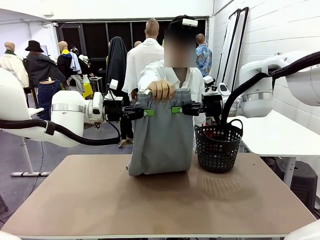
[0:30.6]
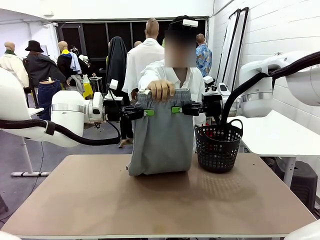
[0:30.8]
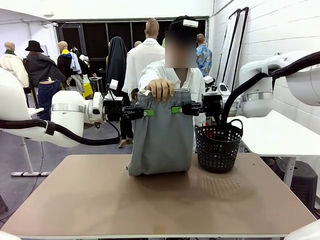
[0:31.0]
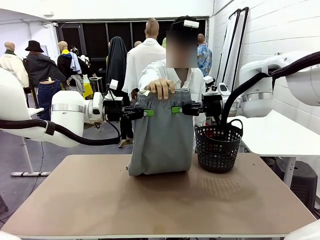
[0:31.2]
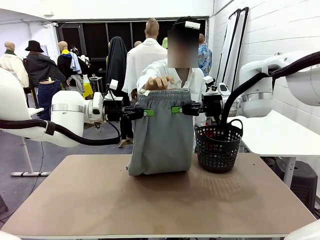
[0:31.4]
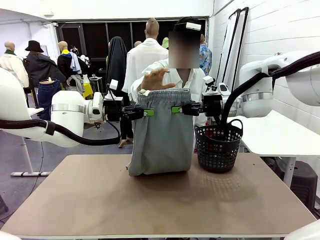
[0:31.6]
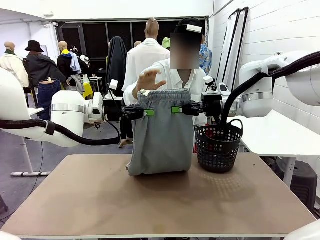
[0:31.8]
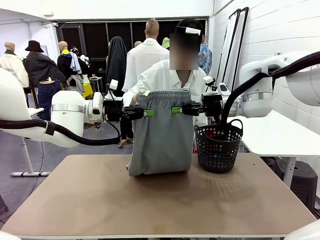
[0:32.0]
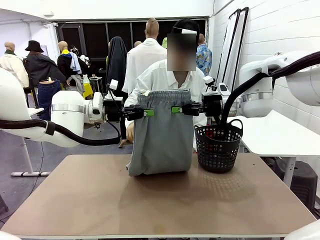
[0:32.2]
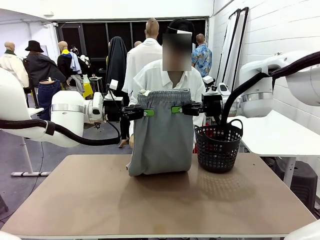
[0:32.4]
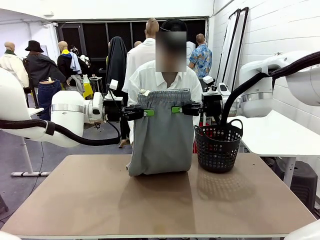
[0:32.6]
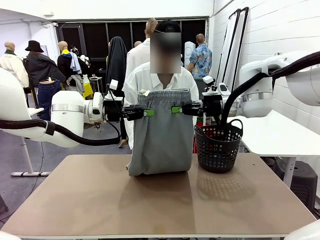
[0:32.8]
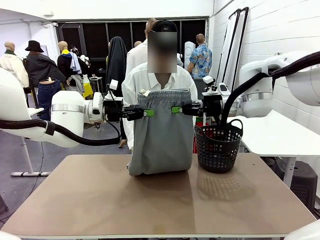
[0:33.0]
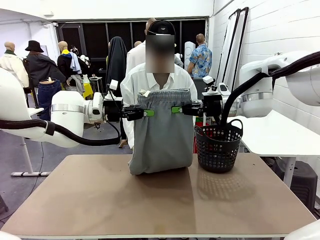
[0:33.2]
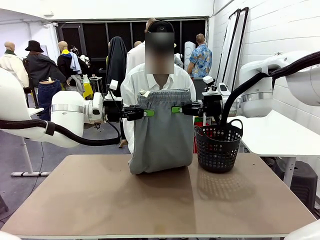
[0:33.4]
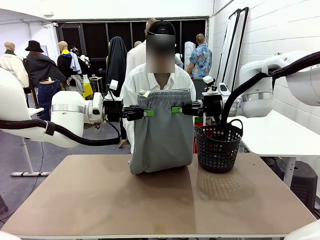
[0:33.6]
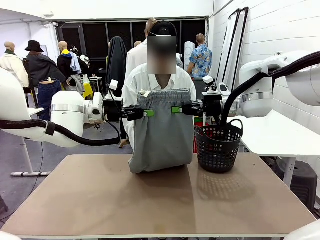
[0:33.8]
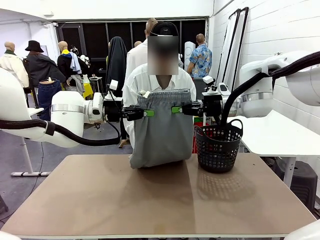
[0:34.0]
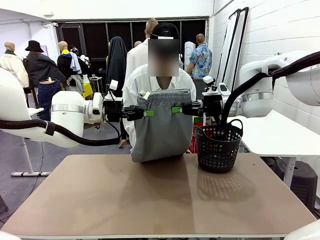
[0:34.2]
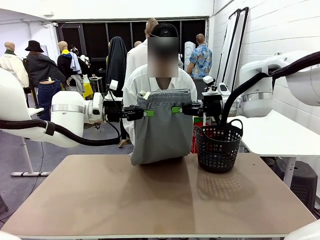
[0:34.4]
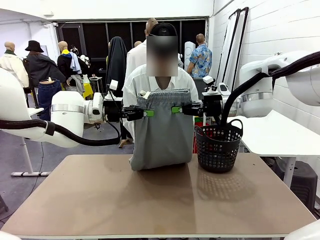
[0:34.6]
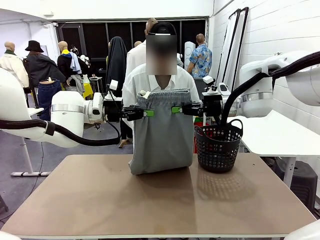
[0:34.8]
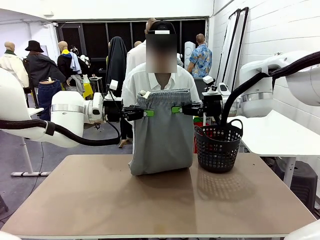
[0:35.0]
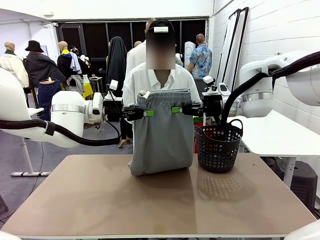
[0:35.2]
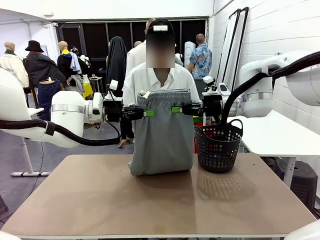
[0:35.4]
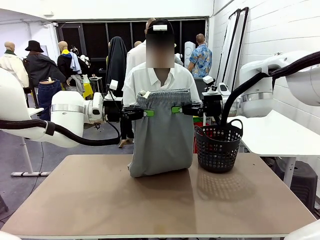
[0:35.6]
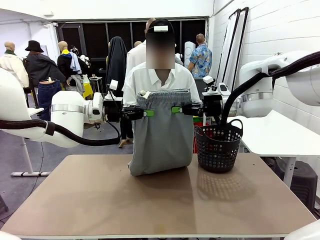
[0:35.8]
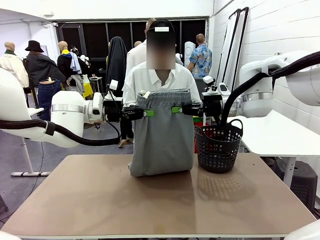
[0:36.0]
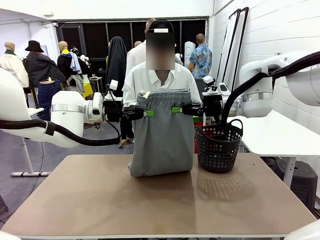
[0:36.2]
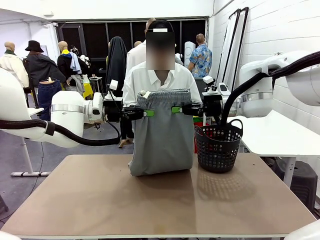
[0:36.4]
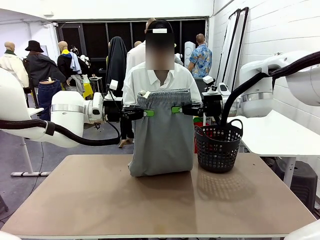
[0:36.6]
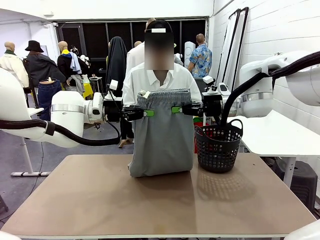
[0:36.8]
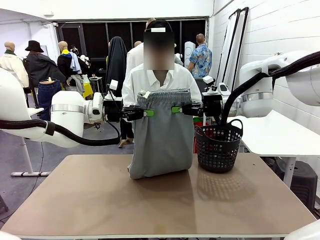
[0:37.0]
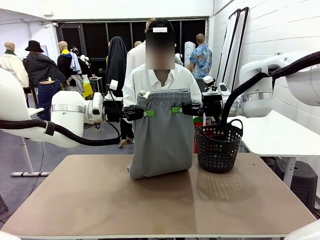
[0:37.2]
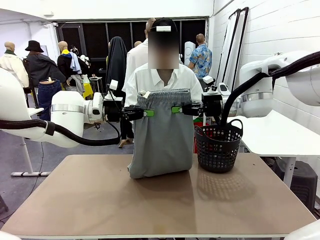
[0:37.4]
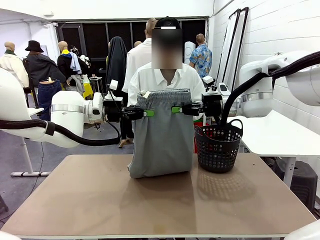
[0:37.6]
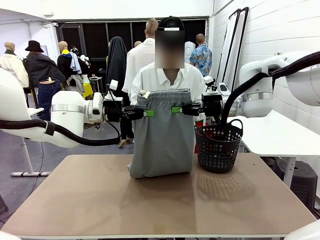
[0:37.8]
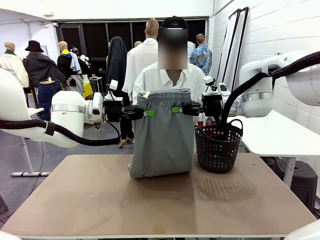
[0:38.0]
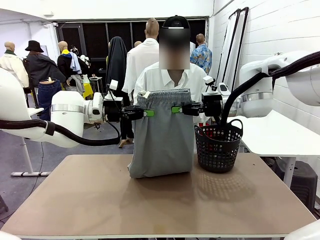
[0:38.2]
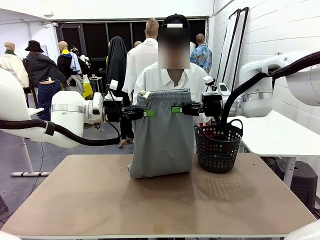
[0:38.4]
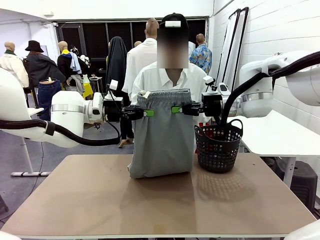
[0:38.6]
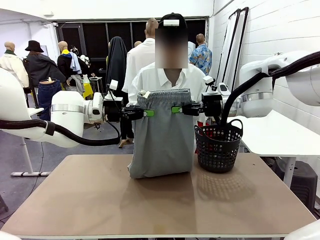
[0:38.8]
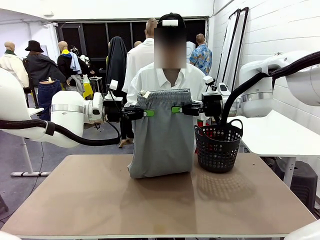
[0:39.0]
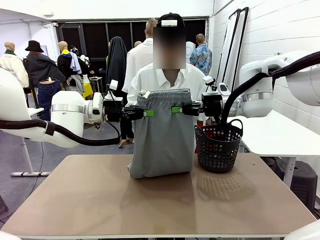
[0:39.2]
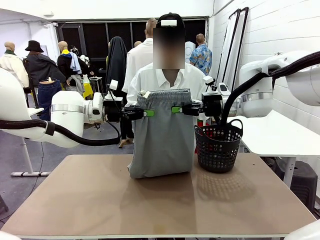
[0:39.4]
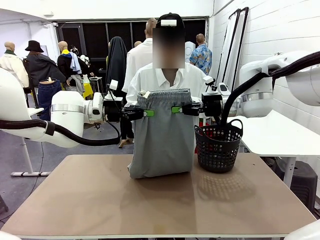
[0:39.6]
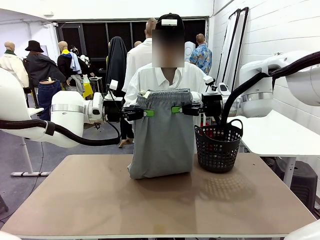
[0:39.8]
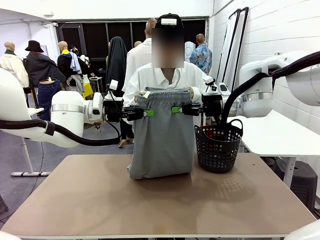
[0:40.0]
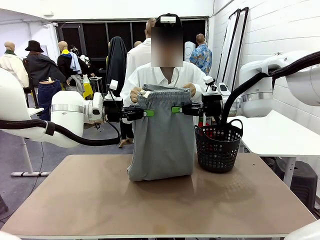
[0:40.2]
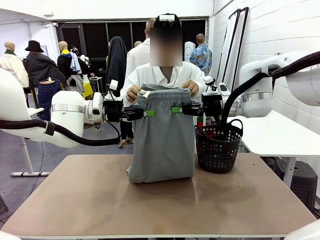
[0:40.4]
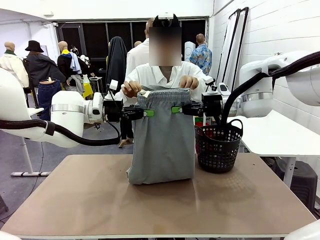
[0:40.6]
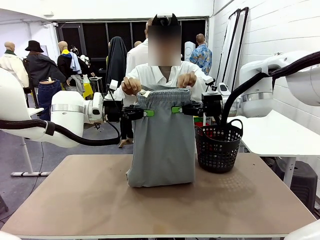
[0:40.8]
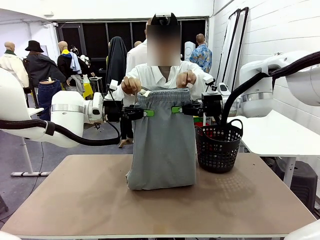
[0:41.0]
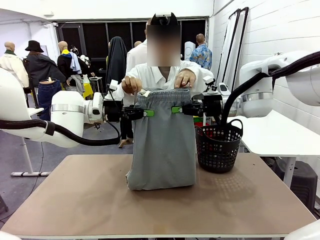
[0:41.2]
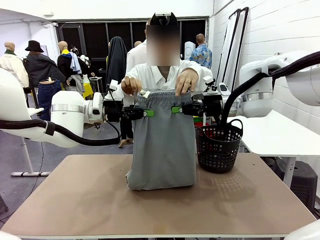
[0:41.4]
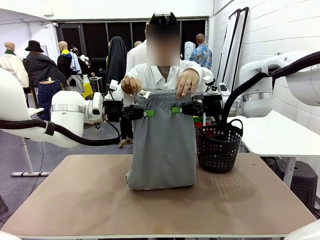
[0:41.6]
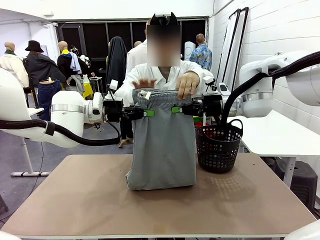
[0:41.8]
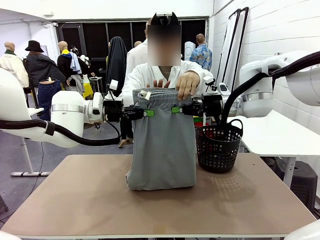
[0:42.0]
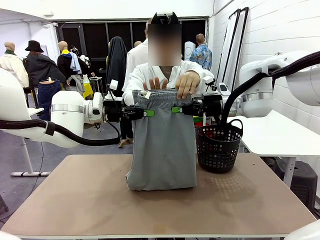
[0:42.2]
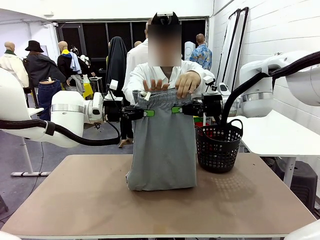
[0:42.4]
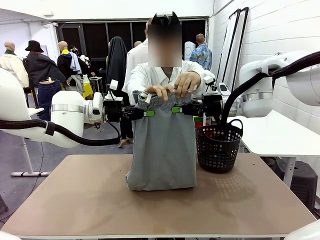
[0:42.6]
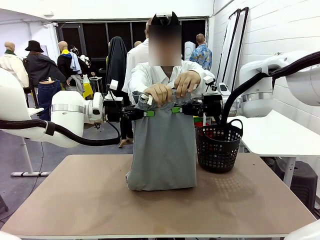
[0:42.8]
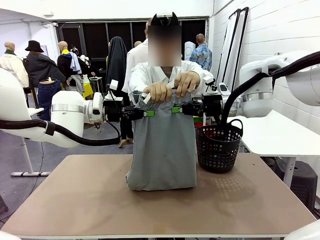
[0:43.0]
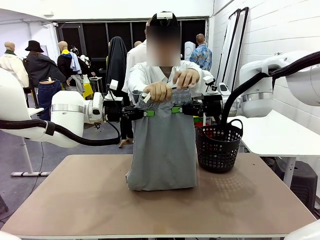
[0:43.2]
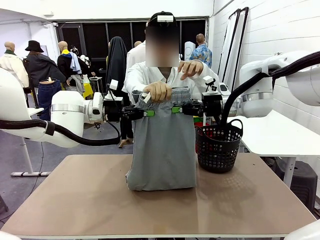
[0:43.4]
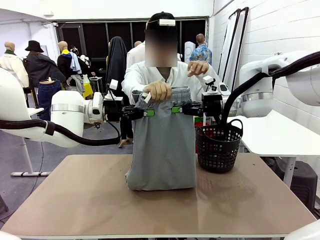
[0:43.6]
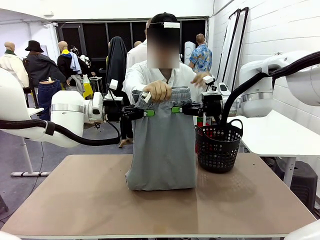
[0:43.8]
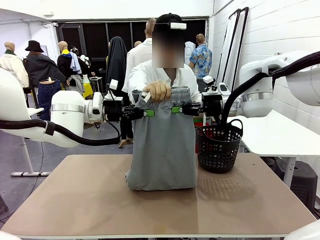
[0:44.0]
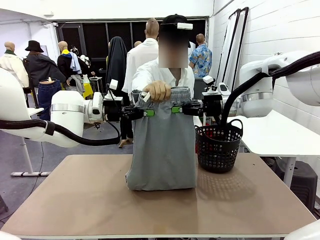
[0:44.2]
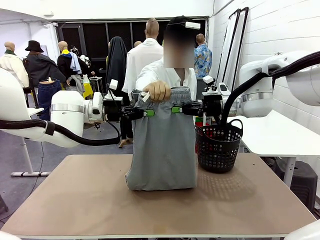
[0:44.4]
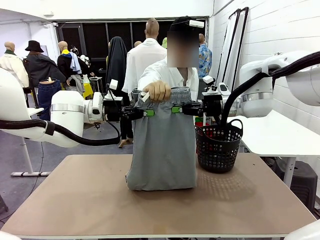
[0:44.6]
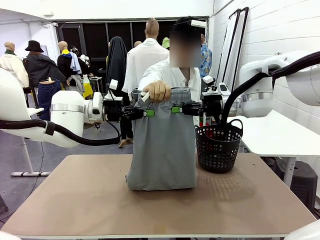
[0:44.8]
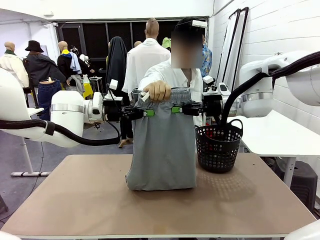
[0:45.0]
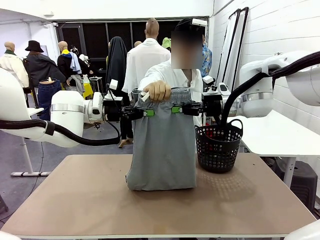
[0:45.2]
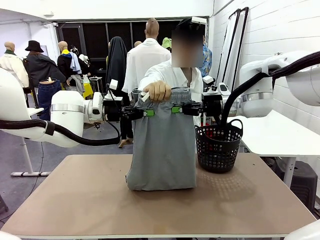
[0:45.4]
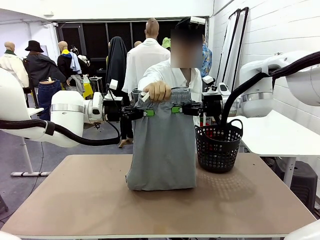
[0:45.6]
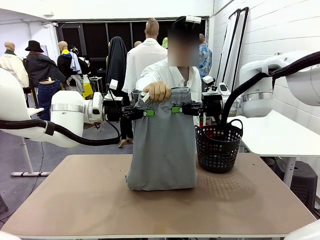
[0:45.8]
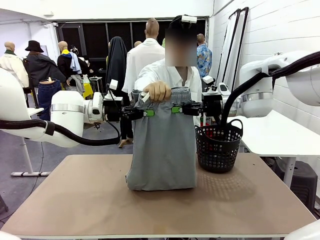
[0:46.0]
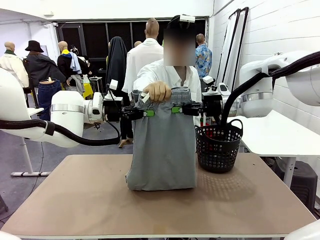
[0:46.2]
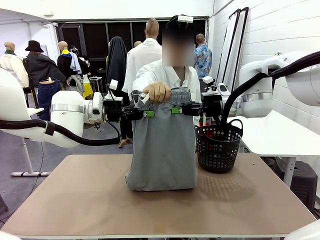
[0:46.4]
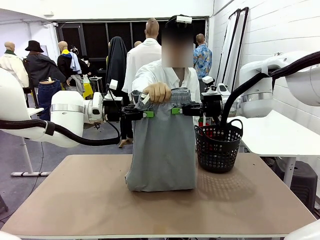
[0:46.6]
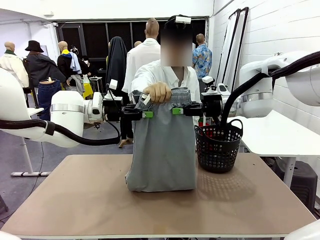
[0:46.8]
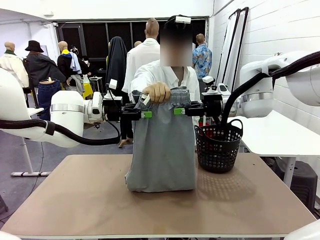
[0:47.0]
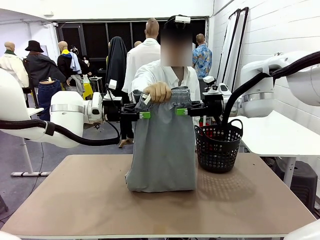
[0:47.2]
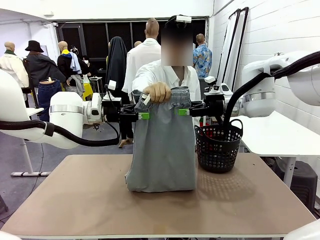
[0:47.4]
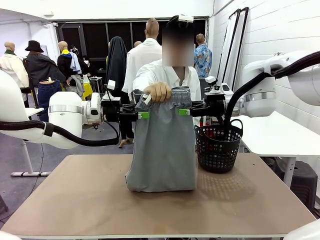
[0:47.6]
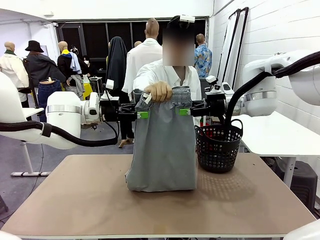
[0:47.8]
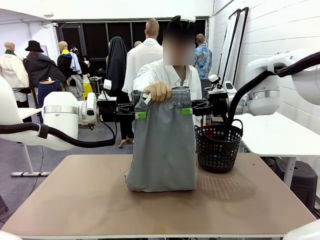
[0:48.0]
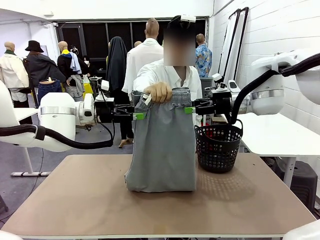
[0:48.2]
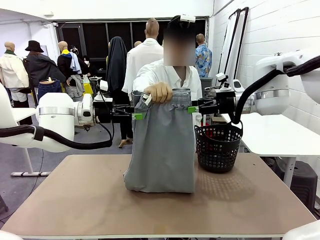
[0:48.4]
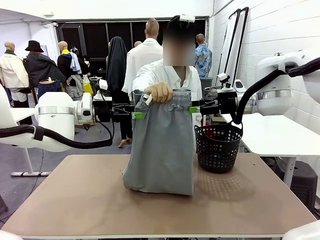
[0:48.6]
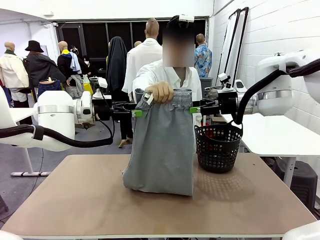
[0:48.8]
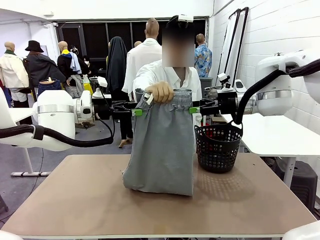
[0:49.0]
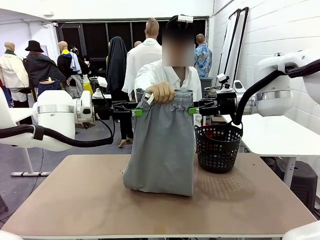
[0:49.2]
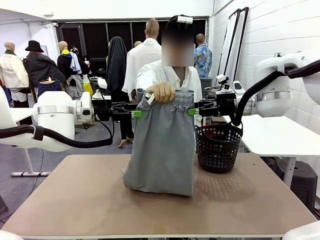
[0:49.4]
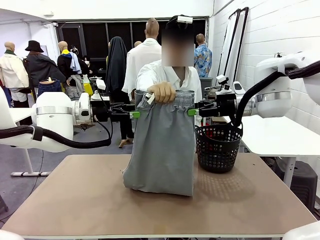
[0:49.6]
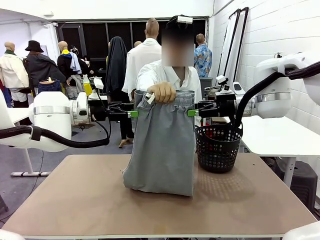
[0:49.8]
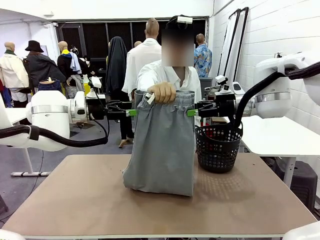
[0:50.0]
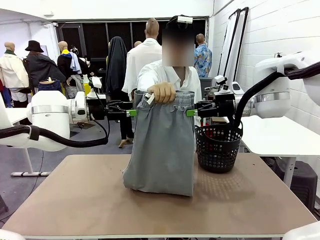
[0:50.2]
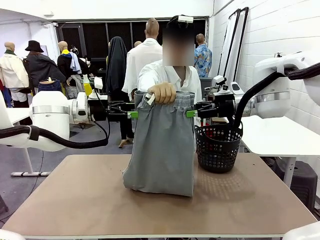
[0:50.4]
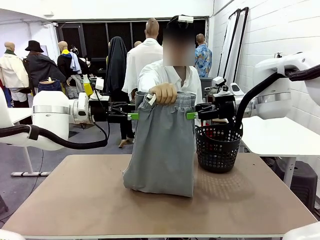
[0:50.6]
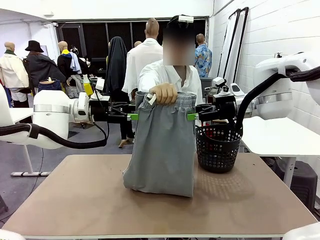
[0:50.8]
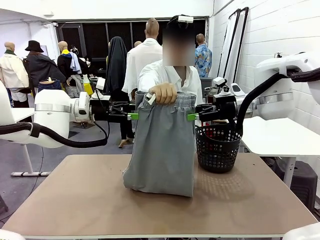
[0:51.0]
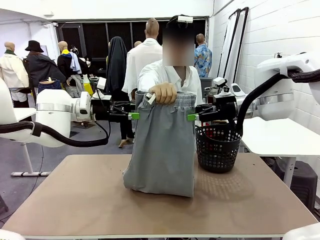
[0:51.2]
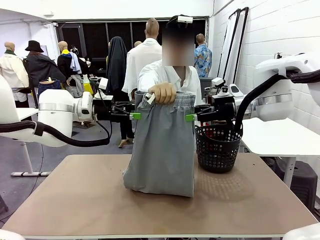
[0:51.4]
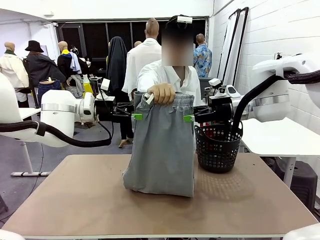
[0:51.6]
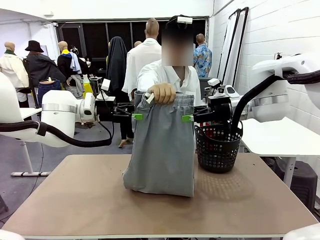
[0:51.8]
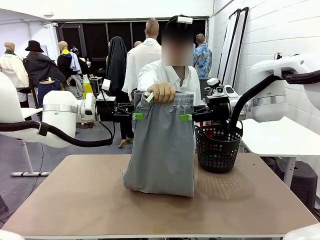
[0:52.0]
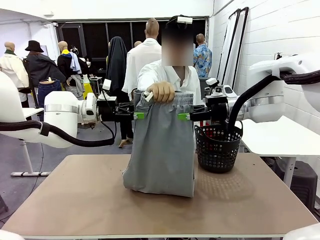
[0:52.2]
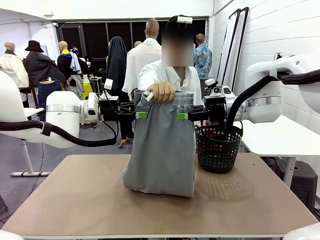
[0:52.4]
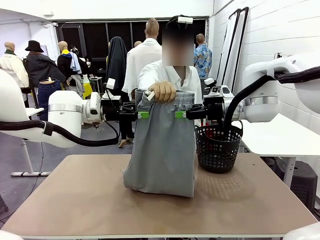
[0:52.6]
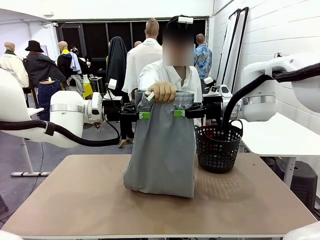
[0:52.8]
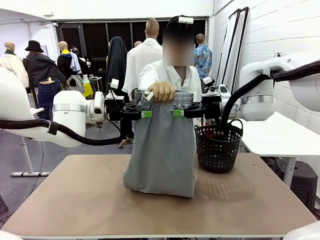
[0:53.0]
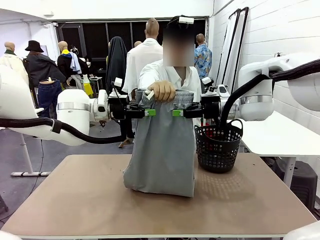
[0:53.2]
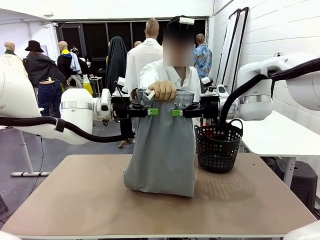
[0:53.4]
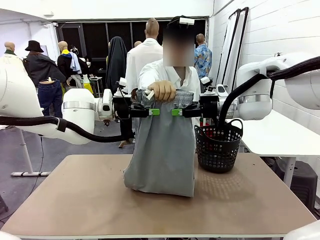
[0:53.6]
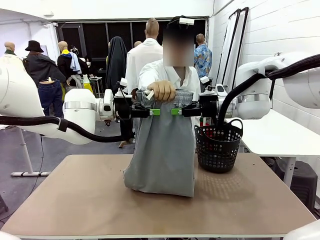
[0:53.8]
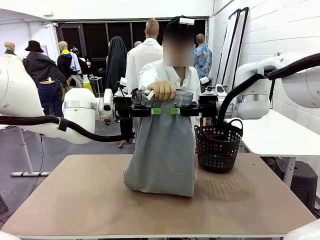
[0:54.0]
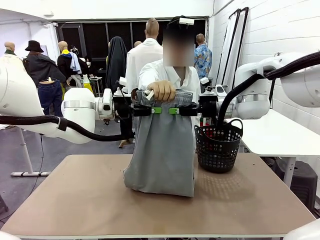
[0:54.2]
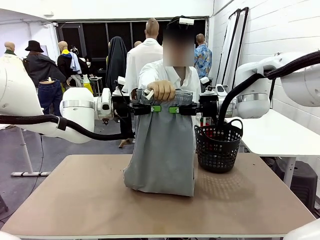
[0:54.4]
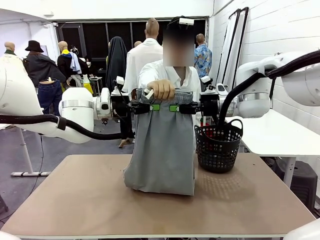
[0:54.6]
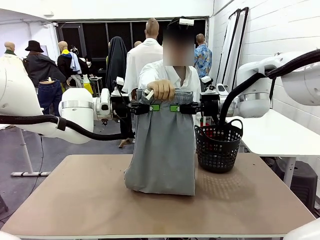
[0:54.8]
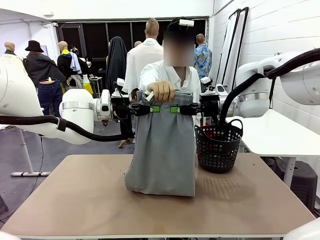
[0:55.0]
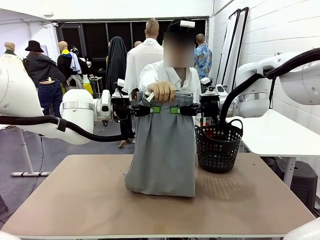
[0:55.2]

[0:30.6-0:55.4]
Task: Fold the training pants.
Robot: Release the ends of the Training pants and then grab the overlapped ends.
Person: Grasp the end opposite the point the robot is holding, fold the pants in half, and then grasp the overlapping top end of the folded pants. Release the pants you were holding.
